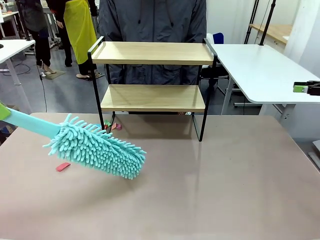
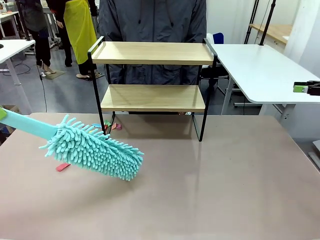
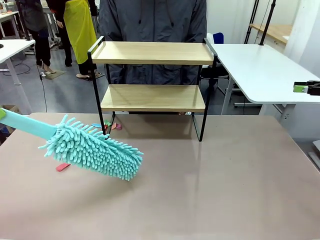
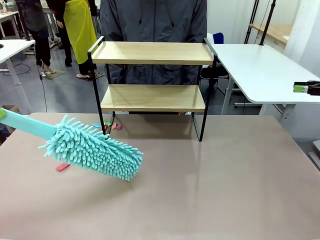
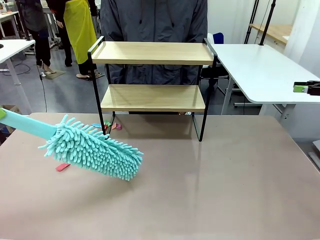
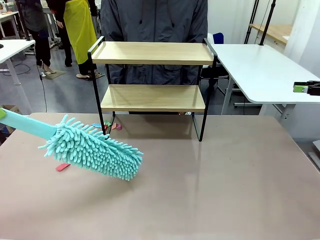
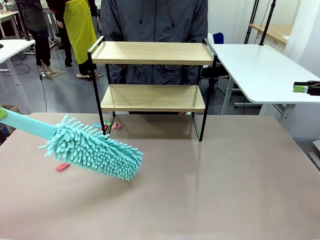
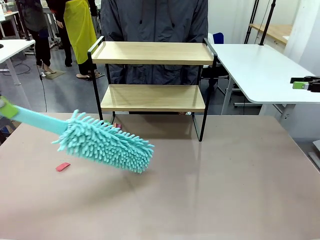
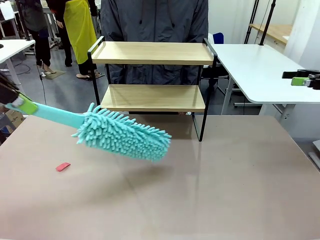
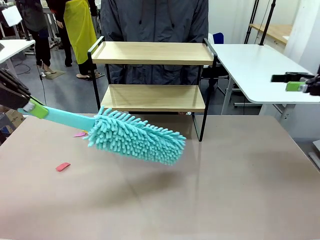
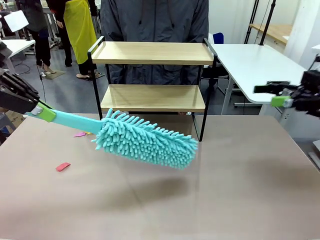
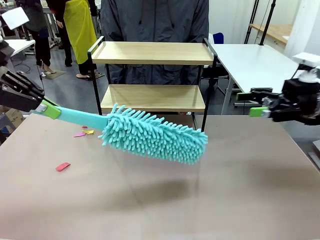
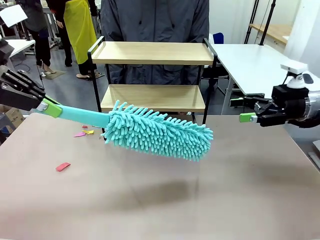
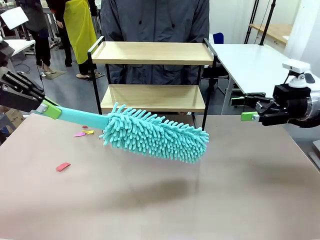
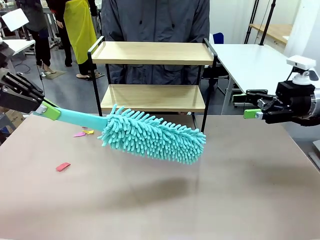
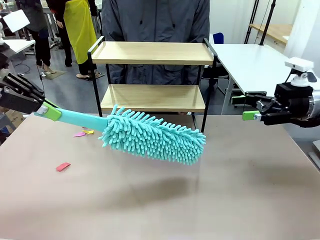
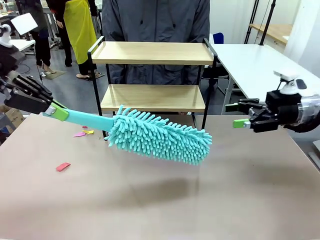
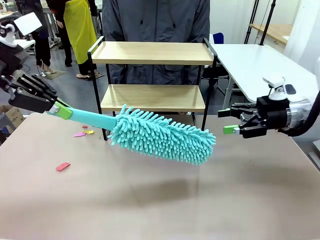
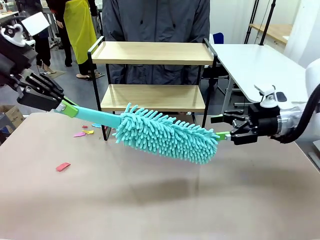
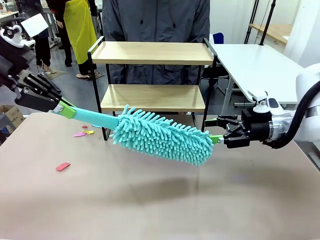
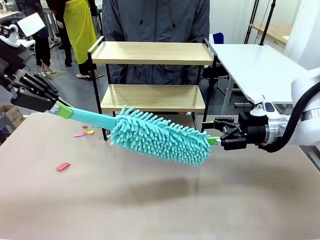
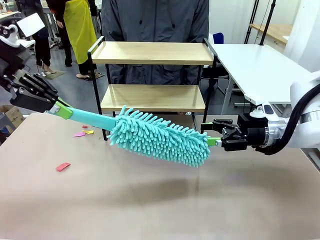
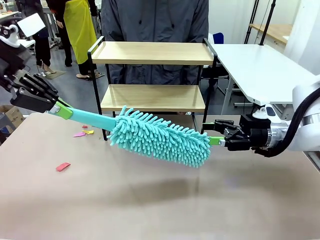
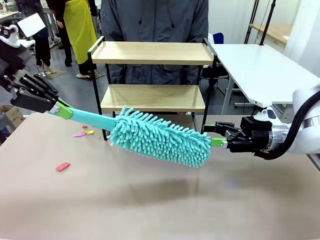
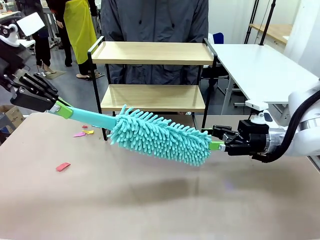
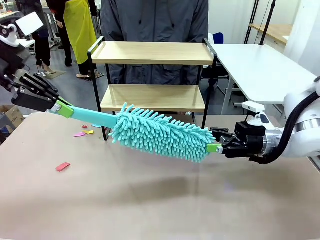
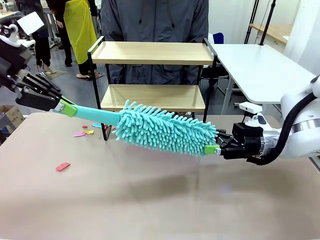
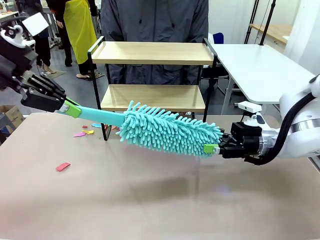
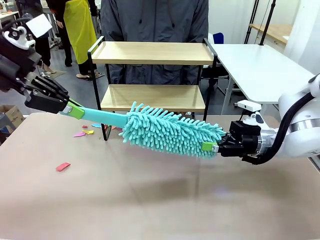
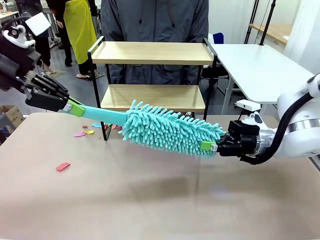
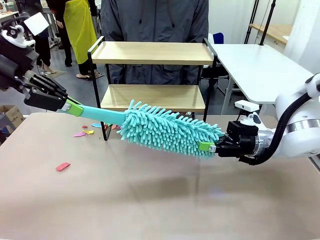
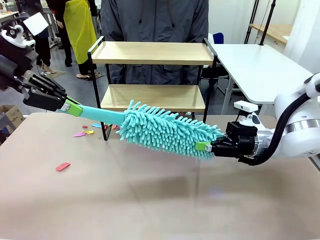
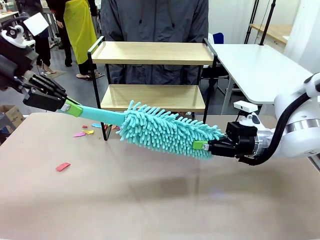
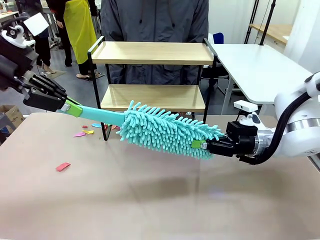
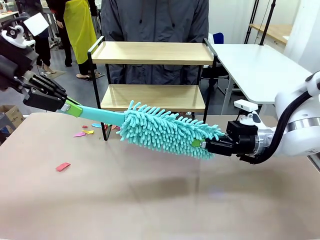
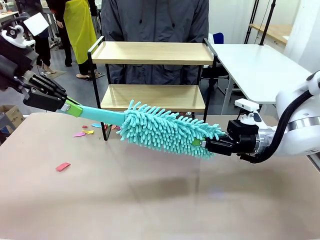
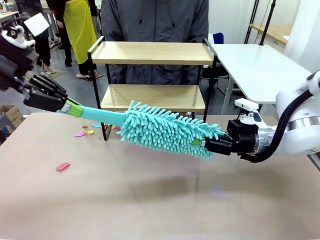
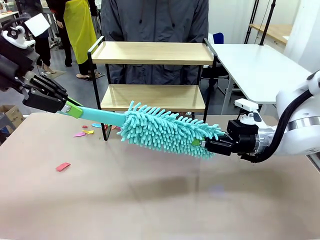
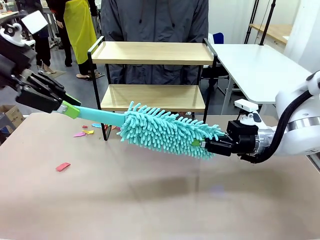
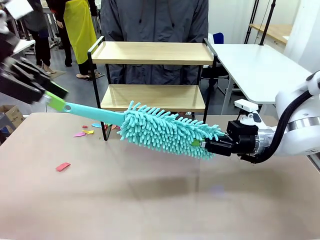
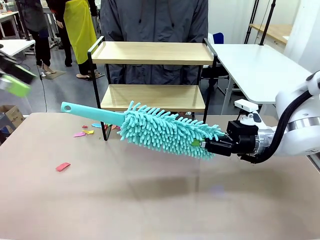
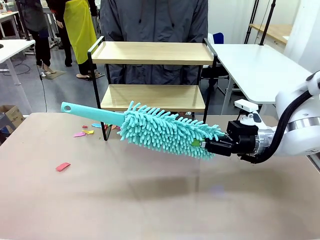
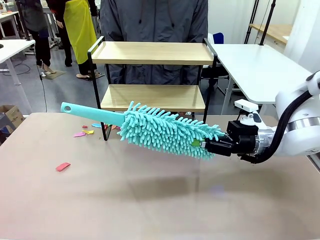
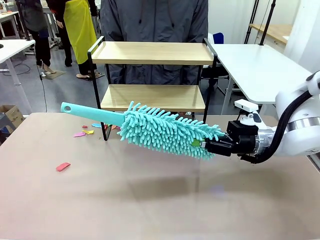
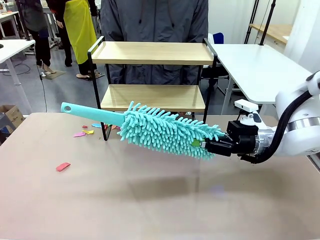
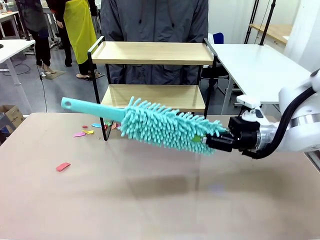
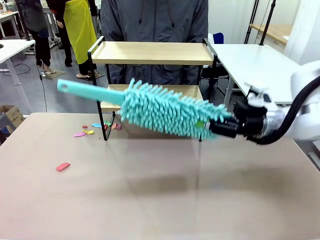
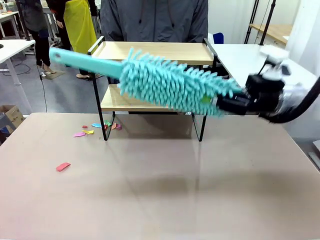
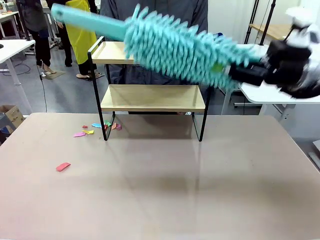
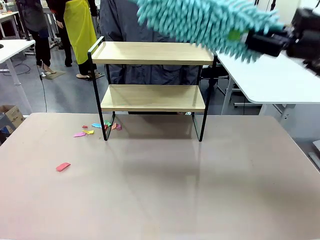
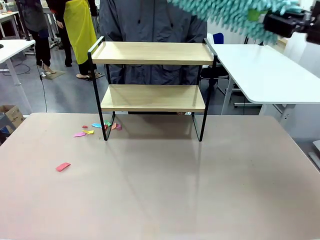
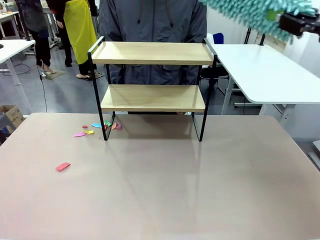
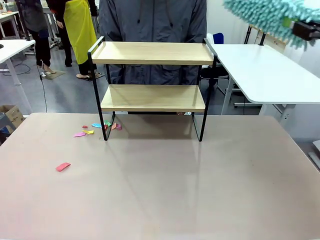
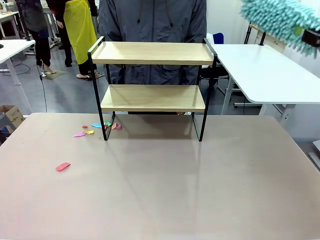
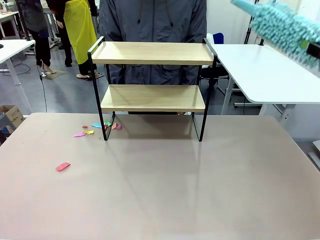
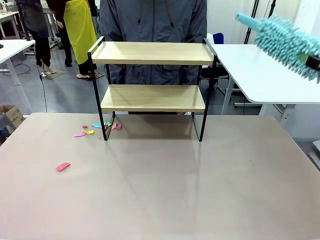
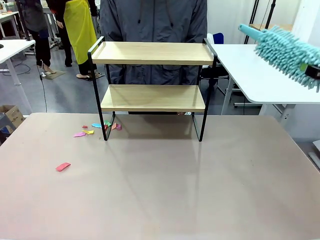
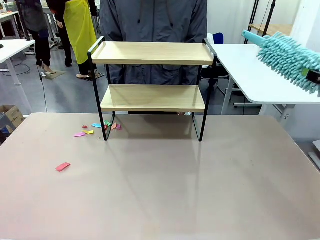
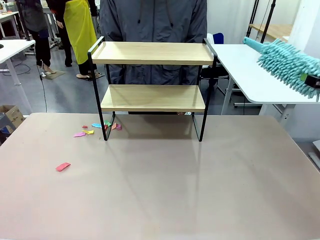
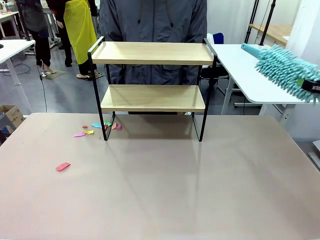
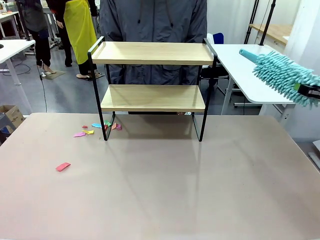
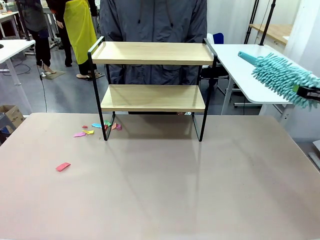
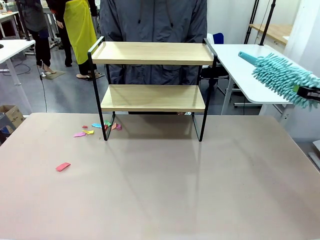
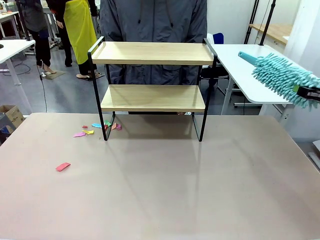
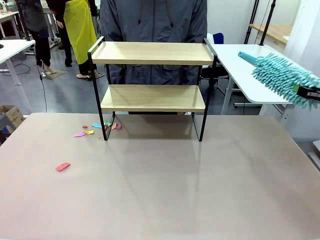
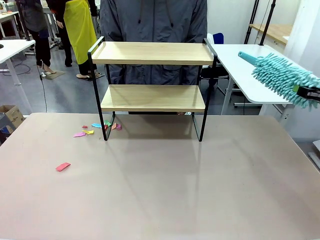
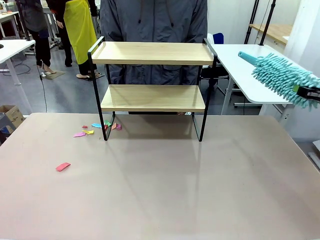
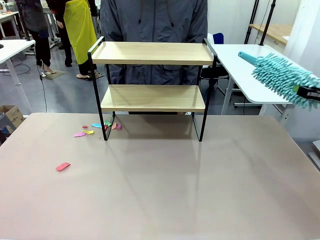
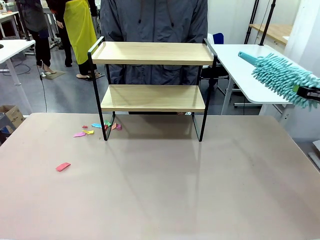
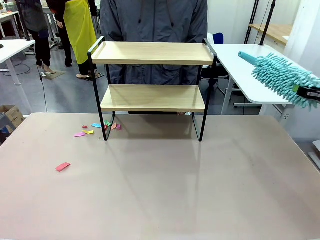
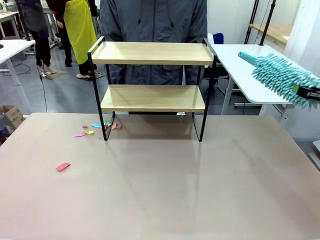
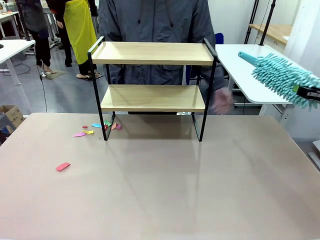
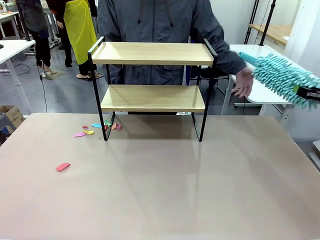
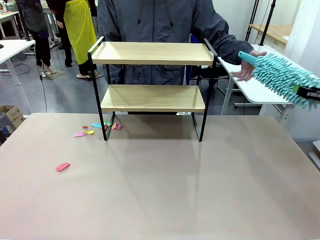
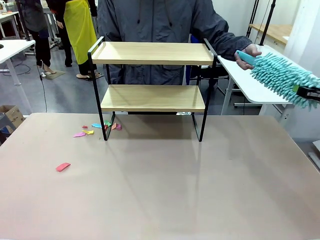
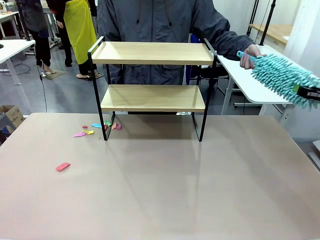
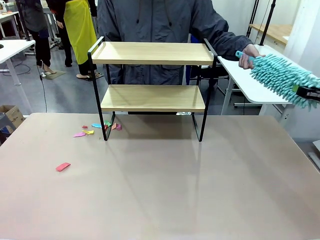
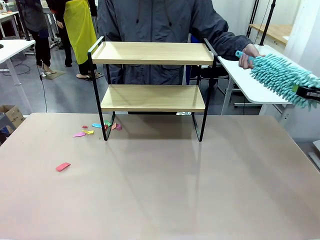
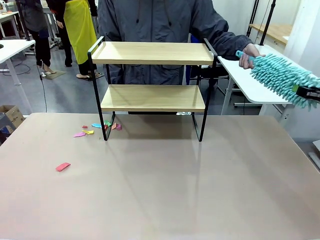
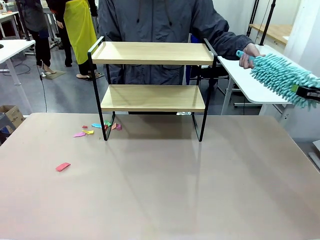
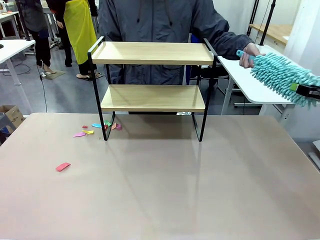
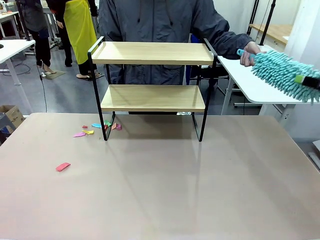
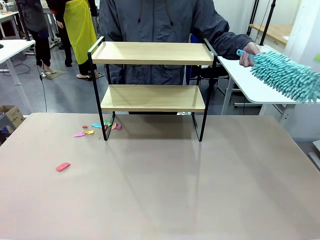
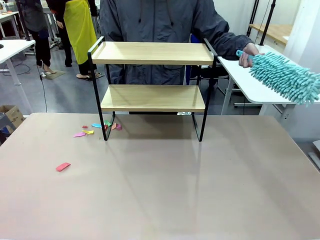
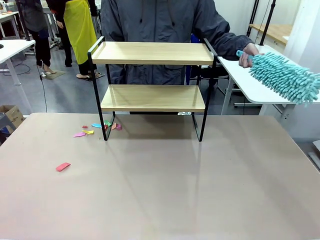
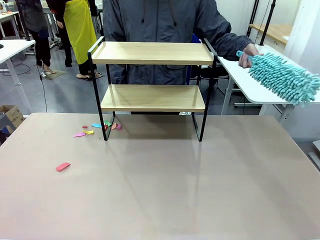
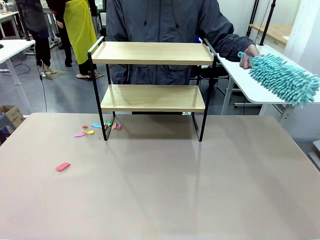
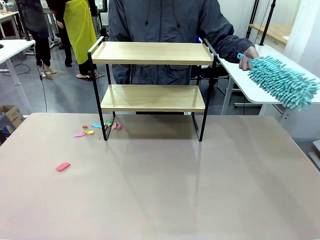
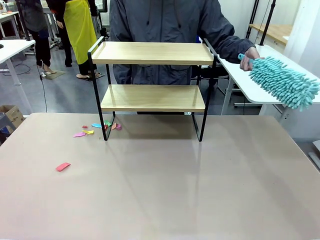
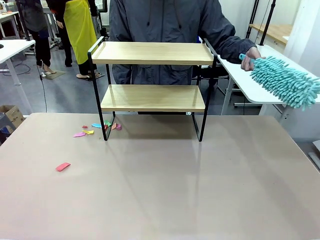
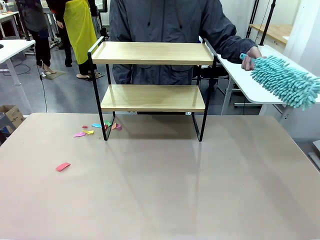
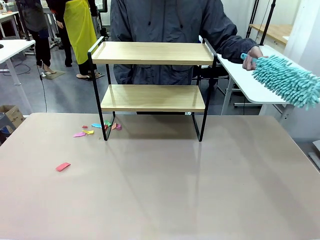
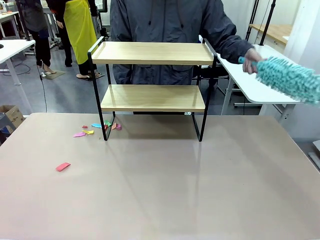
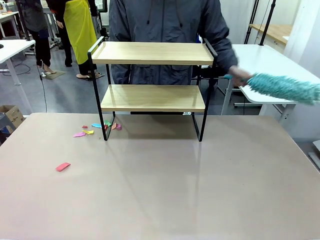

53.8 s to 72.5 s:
Task: Clean the shelf.
Robot: Hand the Duster back to the human.
Person: Receive the Duster from the robot.
